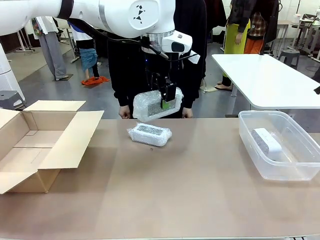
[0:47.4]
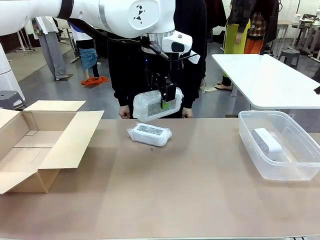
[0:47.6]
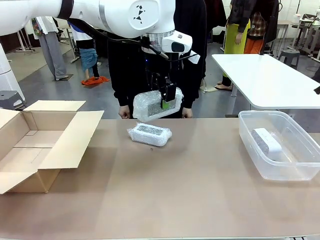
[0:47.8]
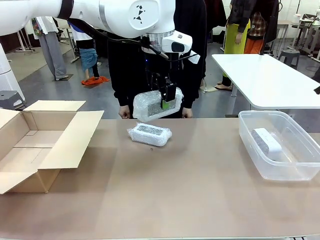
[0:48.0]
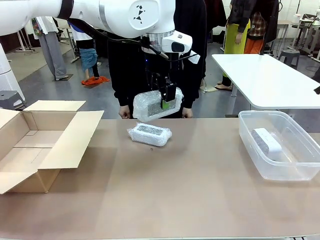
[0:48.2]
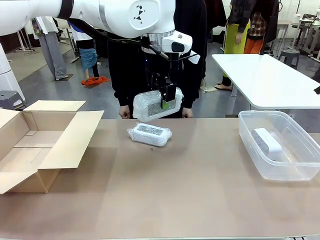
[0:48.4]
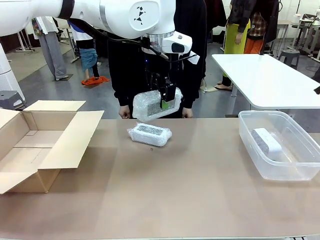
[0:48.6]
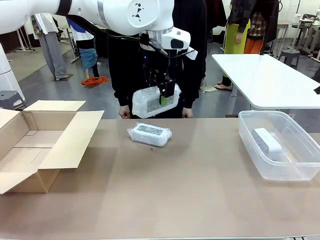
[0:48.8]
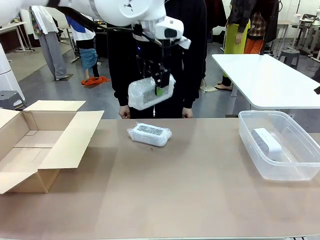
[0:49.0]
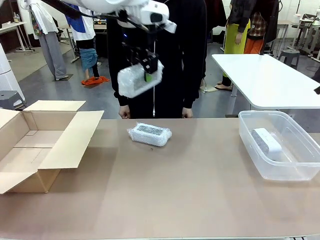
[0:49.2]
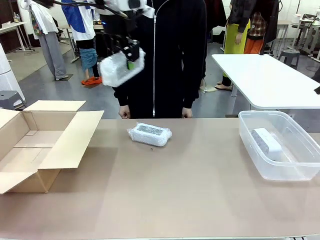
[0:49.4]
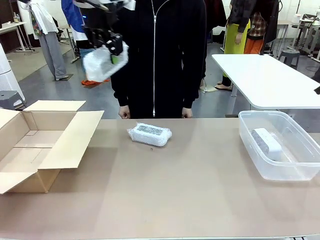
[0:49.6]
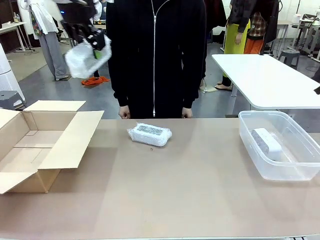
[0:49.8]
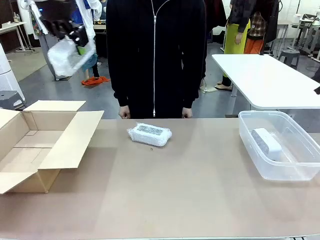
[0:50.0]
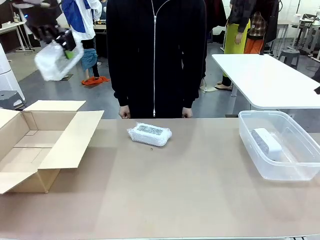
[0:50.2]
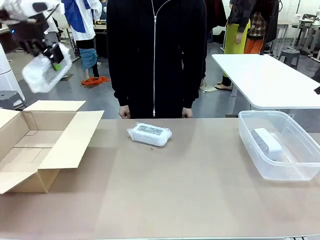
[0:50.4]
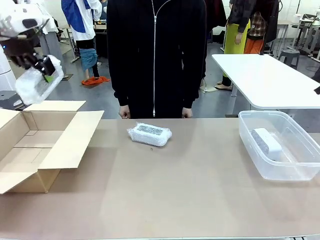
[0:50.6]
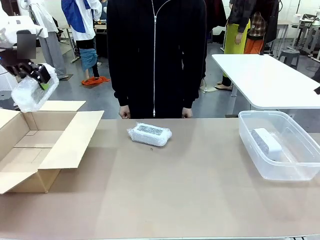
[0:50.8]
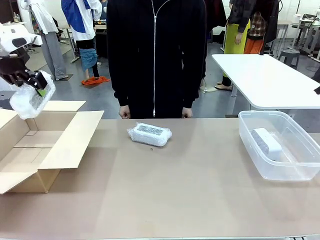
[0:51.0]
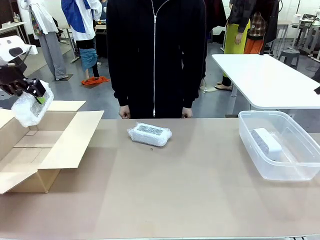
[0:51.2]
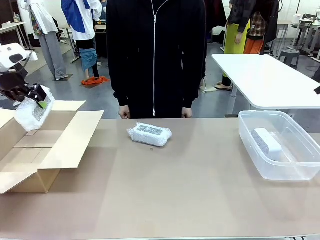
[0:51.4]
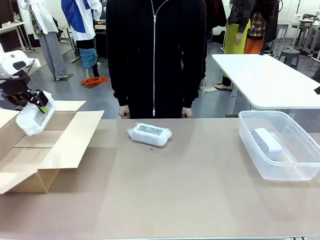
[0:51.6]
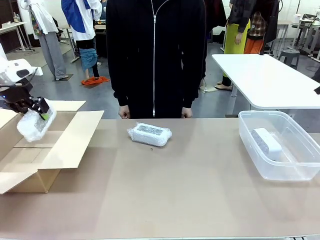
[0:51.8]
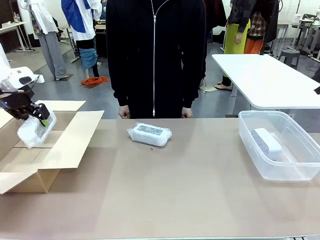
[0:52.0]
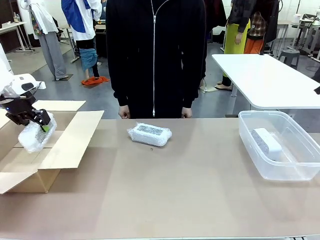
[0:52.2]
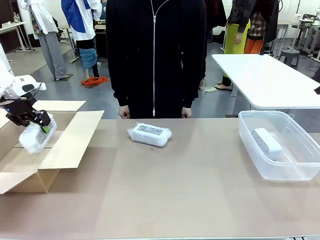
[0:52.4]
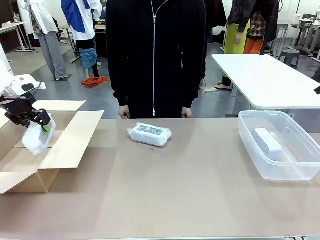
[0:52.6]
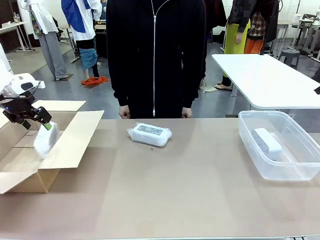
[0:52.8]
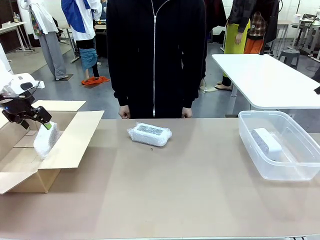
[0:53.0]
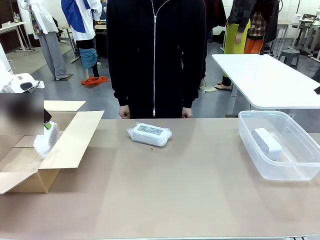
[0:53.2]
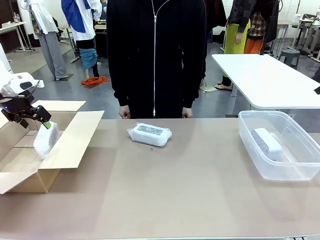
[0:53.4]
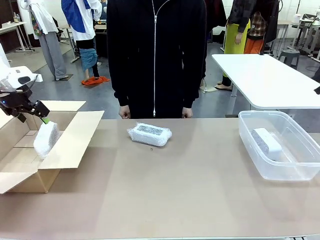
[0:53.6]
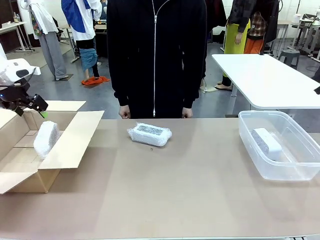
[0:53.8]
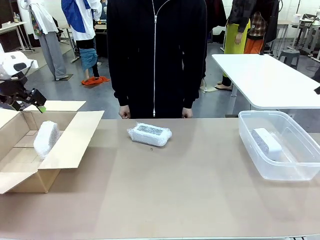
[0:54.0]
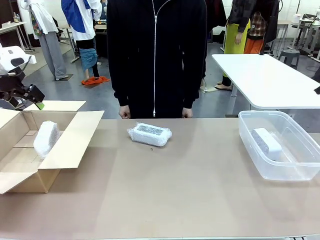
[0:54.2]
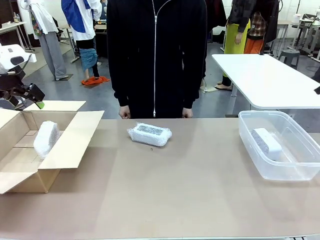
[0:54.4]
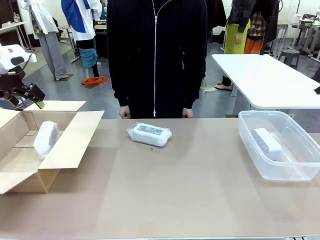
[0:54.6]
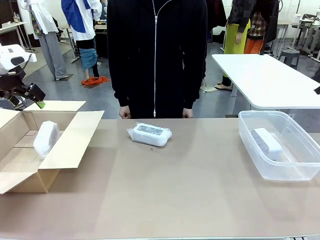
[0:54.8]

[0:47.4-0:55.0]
Task: Separate and place wrapped and unwrapped clocks.
Robot: If the picked Digital clock is wrapped, place it in the Package Box ; if not, place it in the Organizing box.

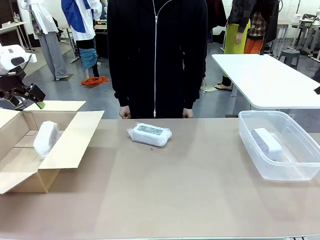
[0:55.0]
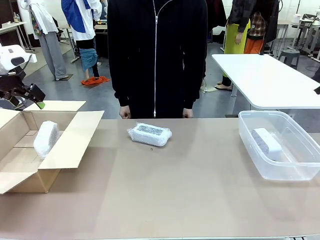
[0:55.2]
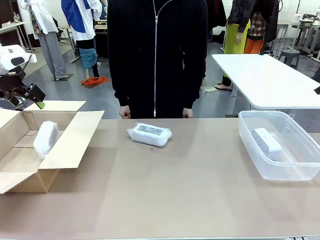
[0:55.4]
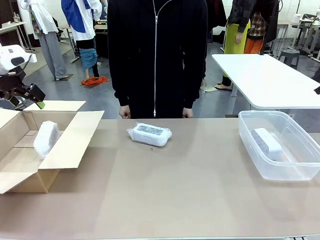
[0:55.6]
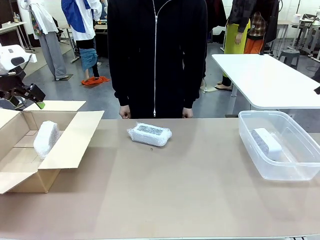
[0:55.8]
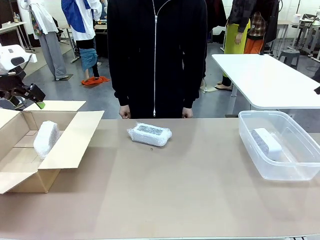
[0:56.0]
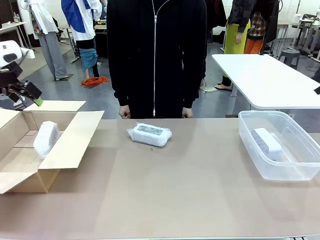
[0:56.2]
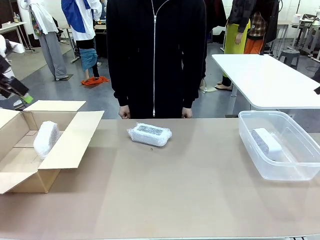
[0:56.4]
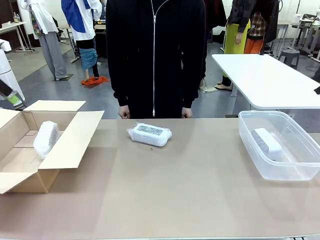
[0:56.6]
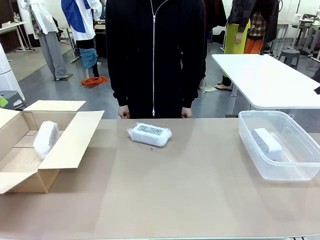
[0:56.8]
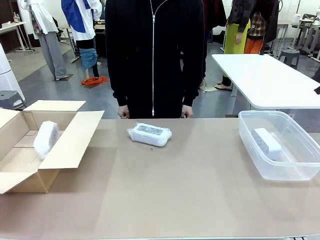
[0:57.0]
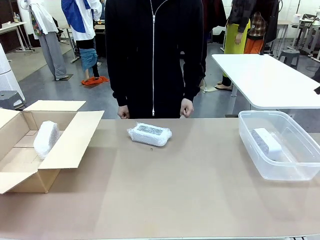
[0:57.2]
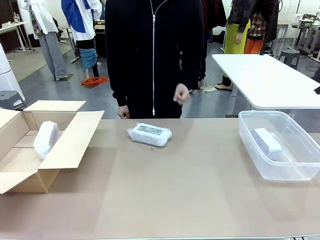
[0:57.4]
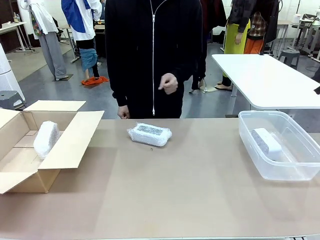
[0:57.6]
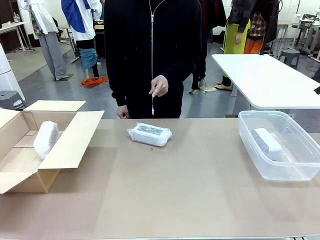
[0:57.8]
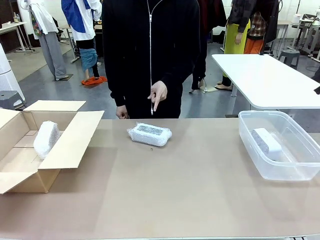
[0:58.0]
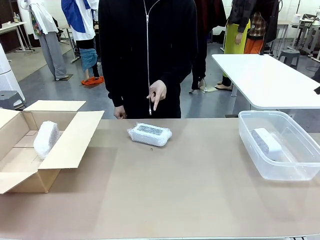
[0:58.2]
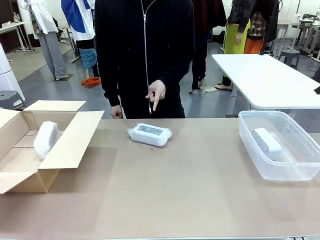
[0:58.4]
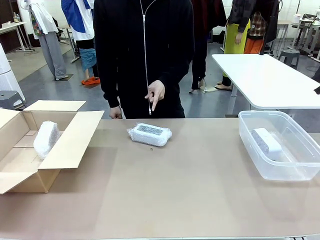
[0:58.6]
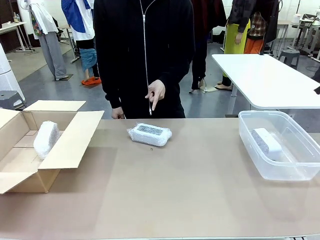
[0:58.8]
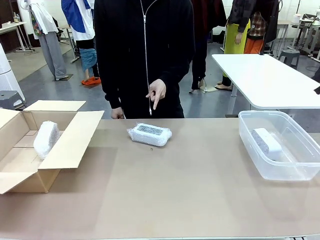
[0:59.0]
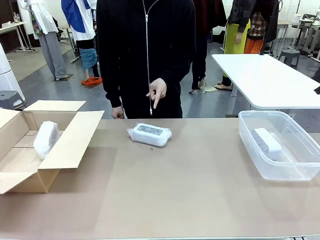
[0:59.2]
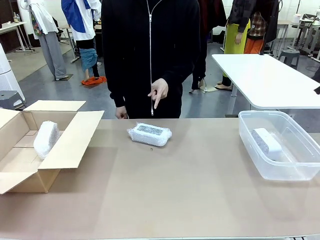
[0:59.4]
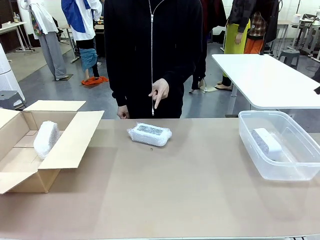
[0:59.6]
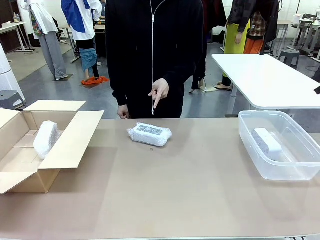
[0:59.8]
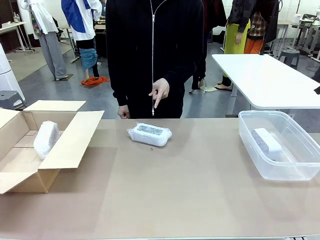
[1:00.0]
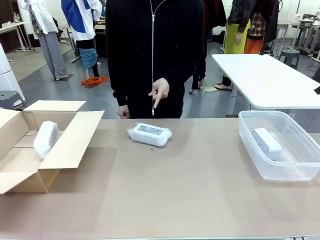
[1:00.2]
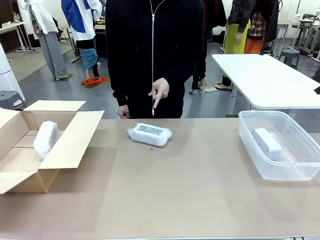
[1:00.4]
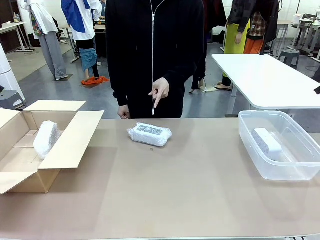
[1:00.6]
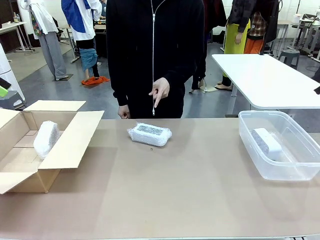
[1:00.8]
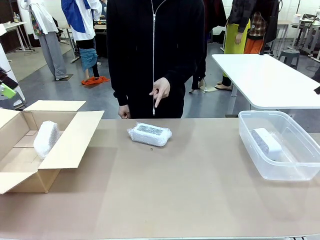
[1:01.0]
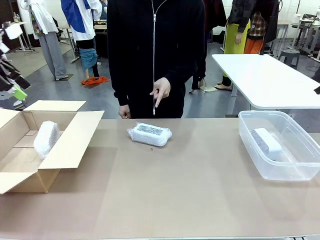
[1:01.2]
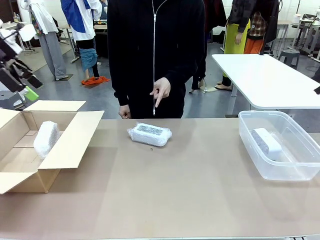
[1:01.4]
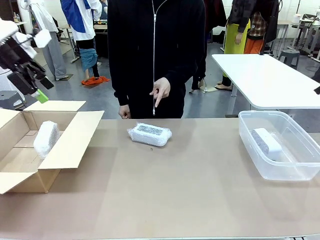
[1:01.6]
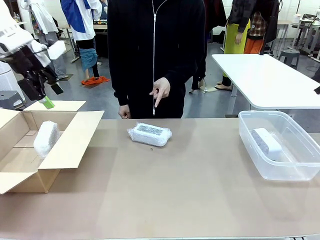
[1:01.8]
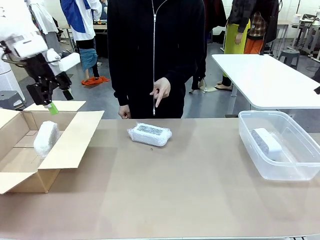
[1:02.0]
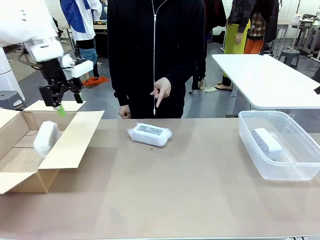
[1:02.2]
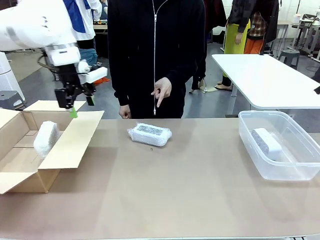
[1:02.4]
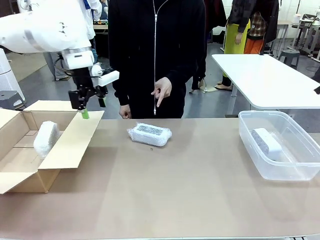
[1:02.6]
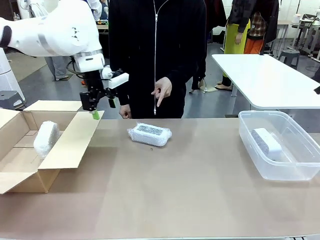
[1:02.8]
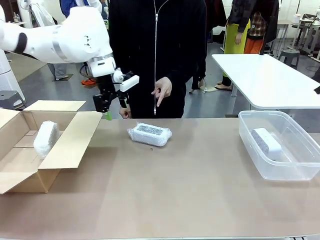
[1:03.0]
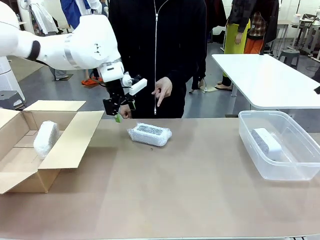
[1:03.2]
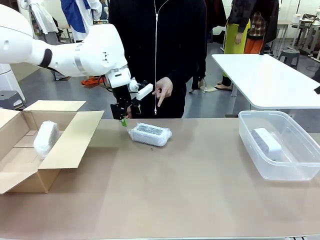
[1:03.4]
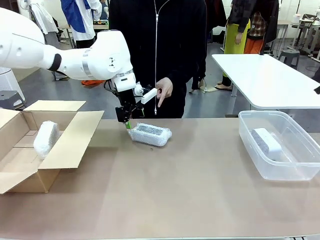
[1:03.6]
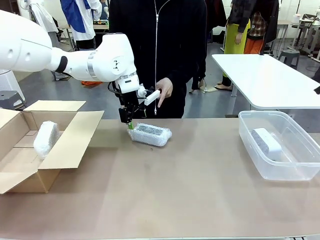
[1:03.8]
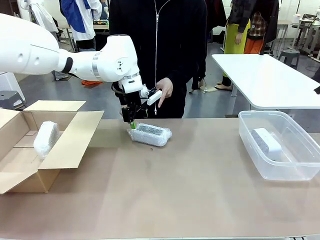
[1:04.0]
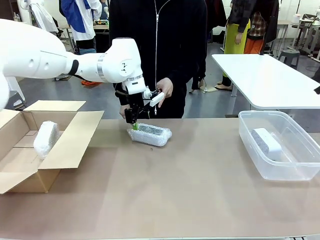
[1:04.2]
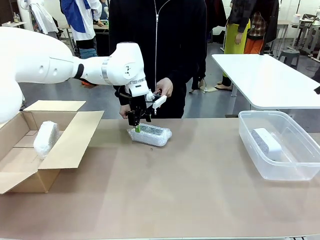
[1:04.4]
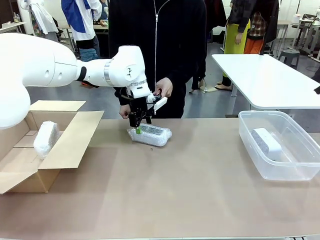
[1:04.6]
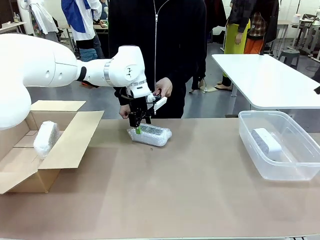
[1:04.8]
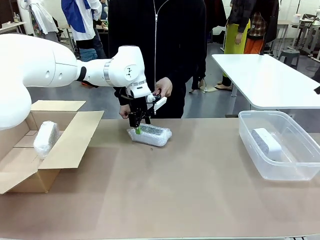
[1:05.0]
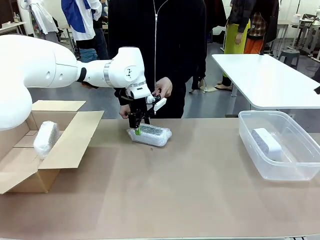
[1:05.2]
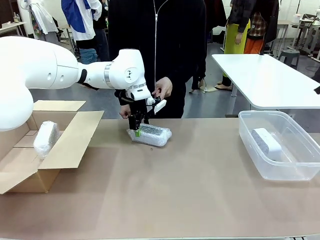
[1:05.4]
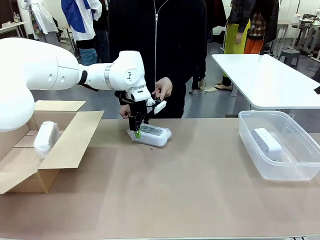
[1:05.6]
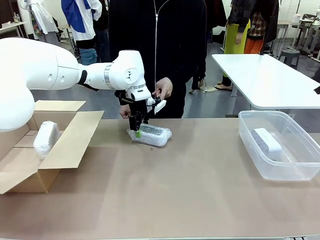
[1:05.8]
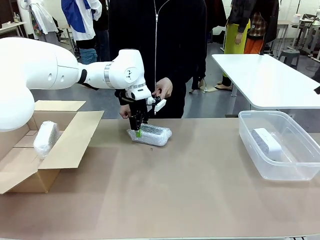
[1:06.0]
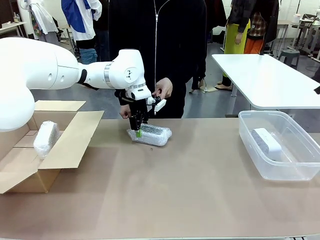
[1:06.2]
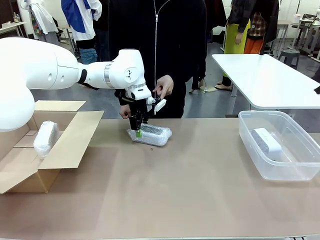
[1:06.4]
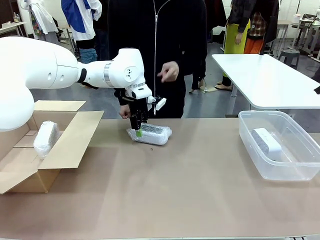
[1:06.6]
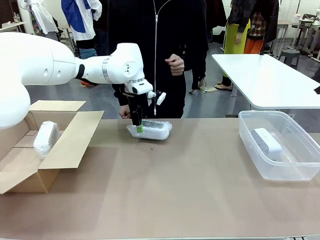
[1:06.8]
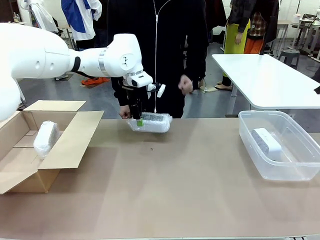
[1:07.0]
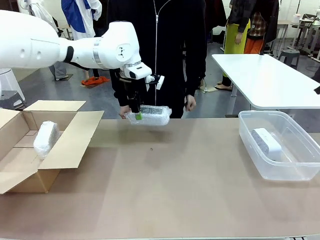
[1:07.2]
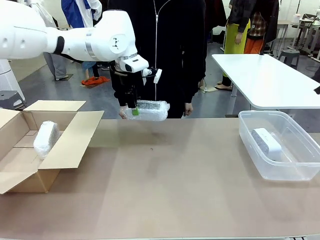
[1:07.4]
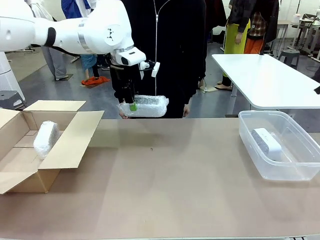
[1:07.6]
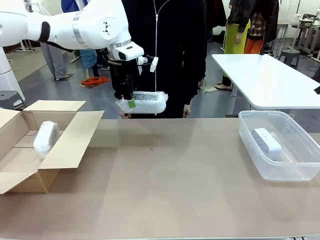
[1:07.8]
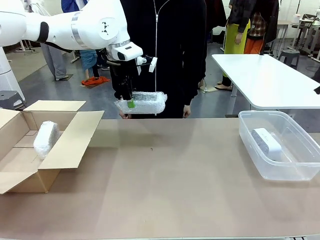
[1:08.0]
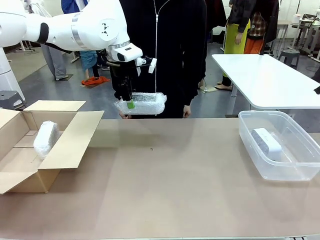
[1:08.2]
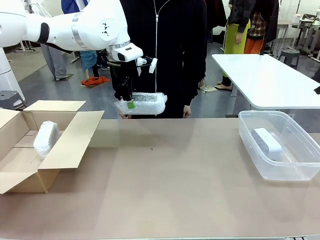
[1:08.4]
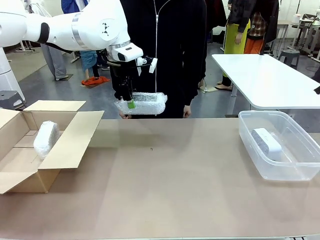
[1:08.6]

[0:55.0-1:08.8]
Robot: Pick up the Digital clock indicated by the person.
